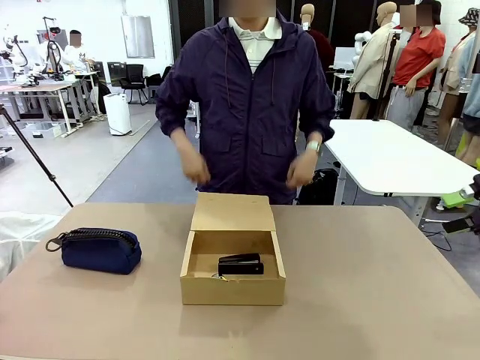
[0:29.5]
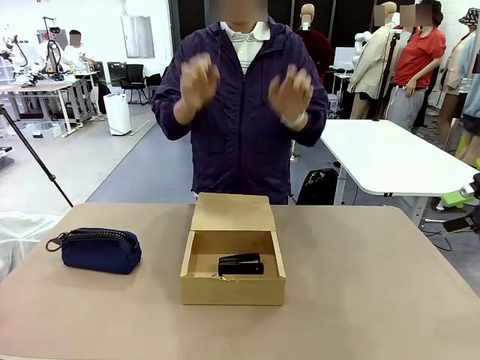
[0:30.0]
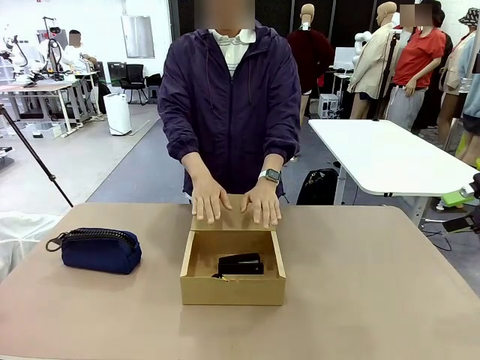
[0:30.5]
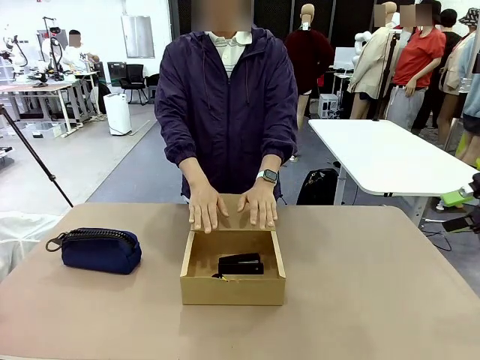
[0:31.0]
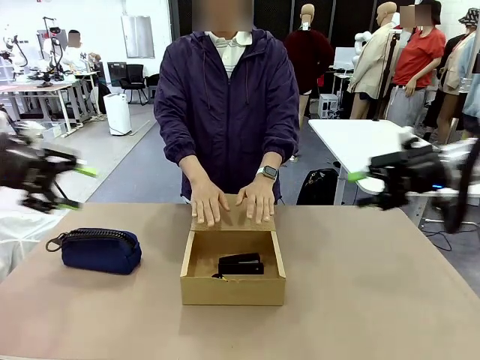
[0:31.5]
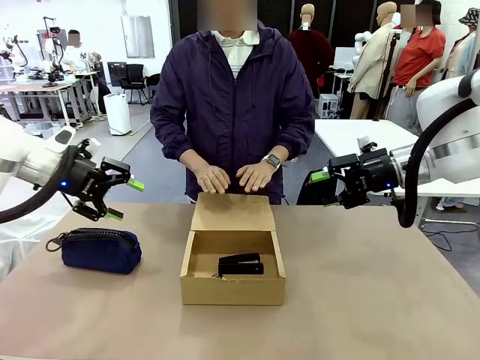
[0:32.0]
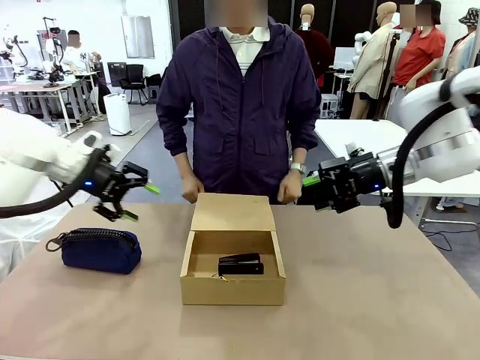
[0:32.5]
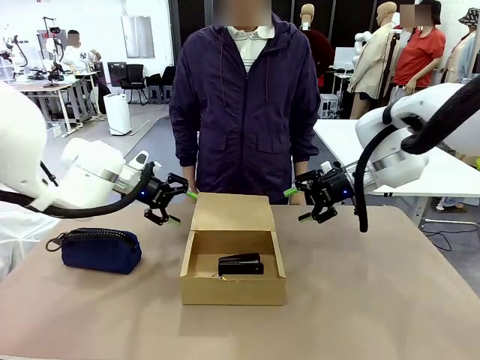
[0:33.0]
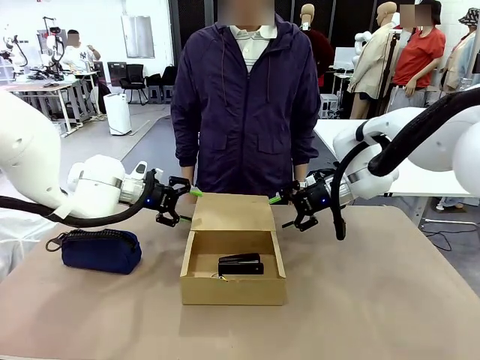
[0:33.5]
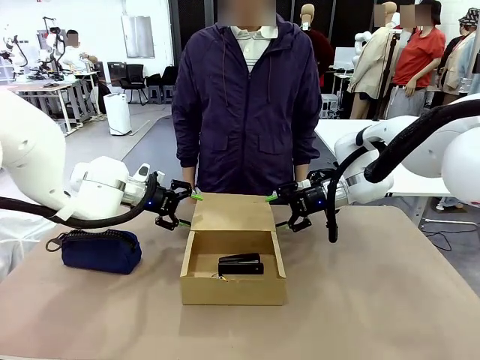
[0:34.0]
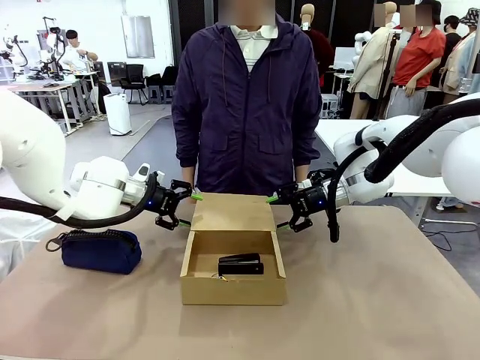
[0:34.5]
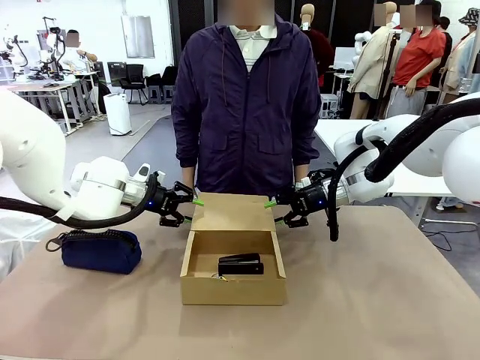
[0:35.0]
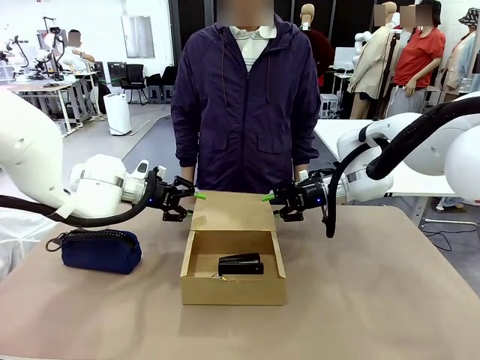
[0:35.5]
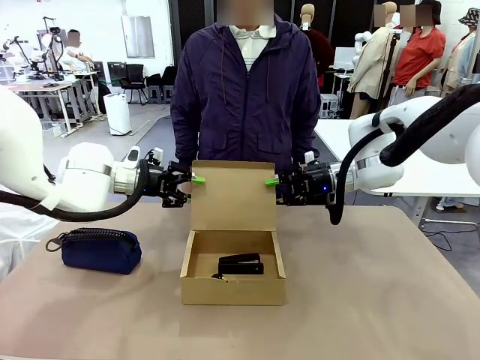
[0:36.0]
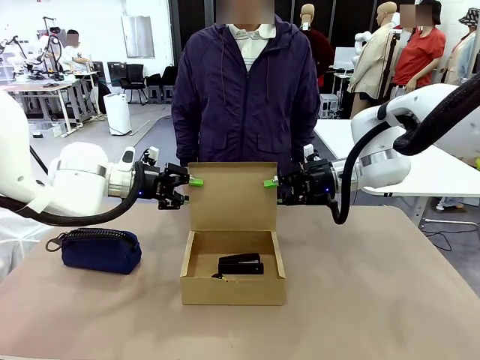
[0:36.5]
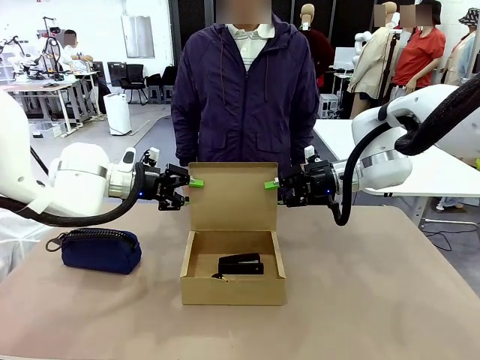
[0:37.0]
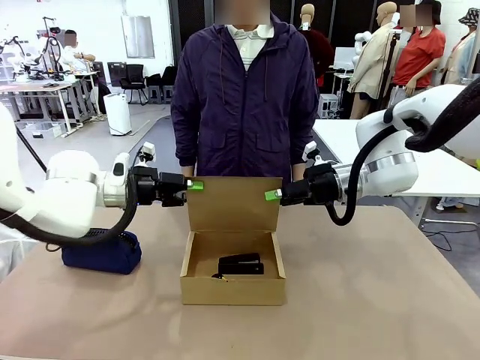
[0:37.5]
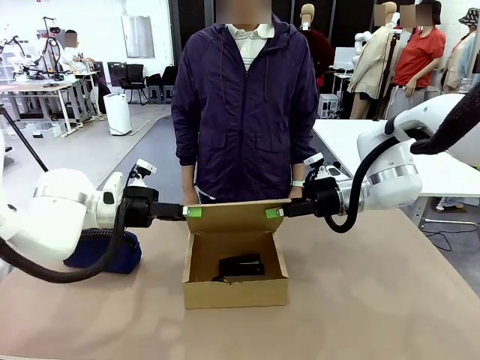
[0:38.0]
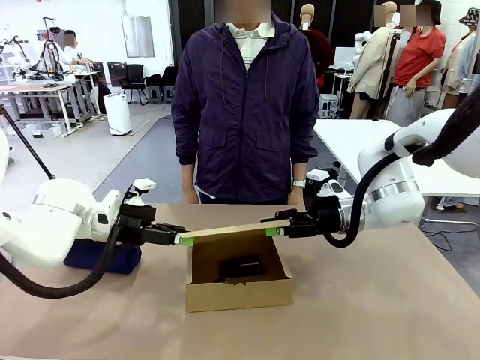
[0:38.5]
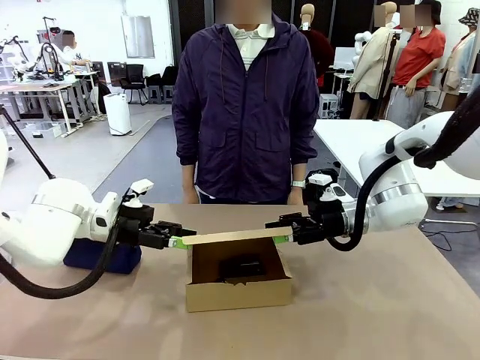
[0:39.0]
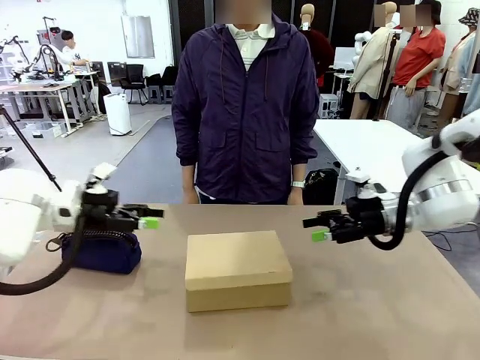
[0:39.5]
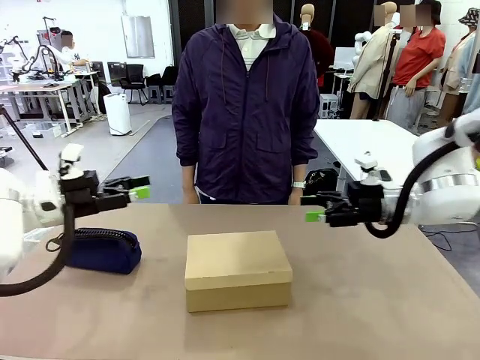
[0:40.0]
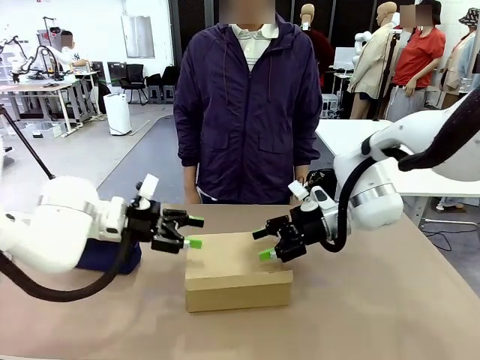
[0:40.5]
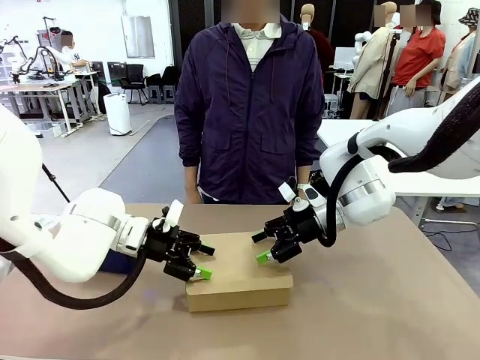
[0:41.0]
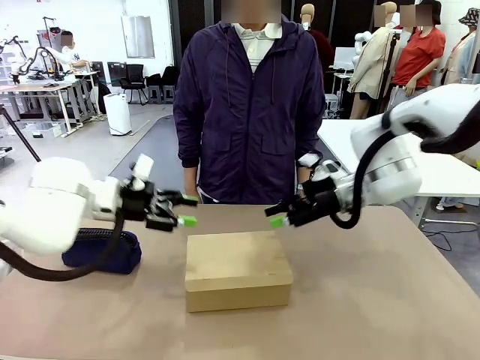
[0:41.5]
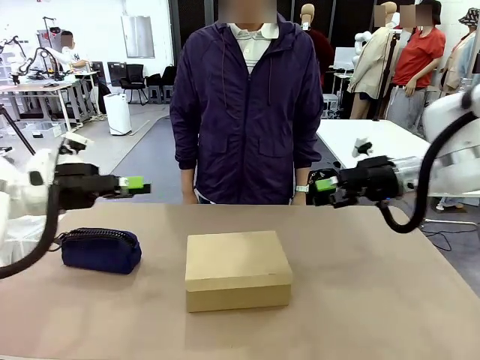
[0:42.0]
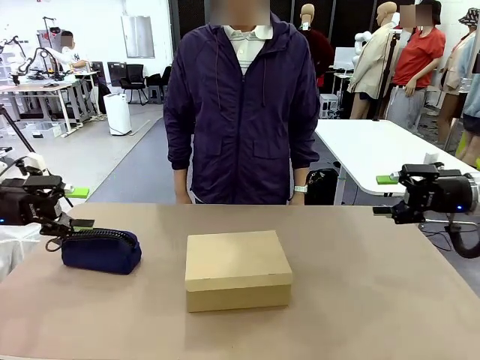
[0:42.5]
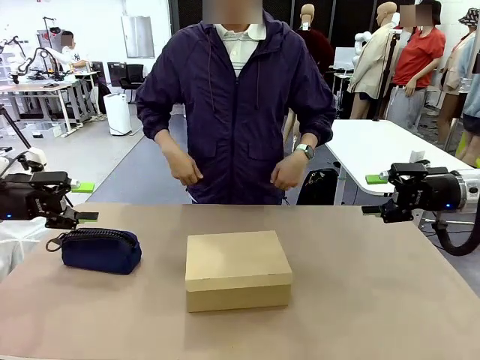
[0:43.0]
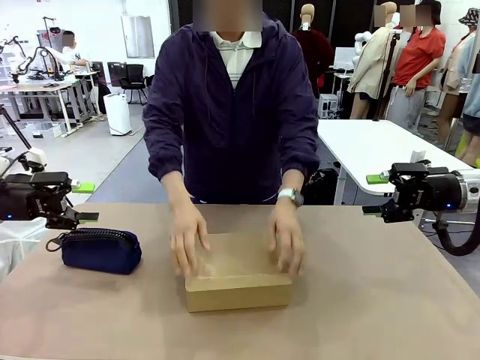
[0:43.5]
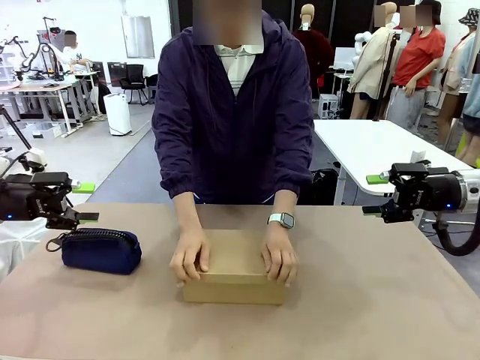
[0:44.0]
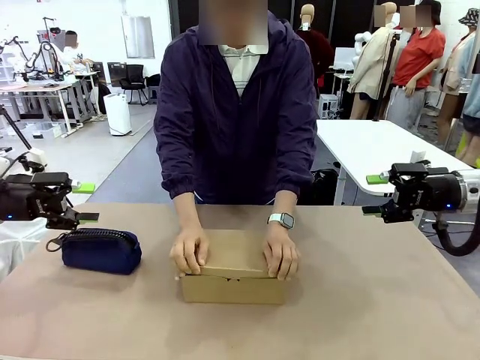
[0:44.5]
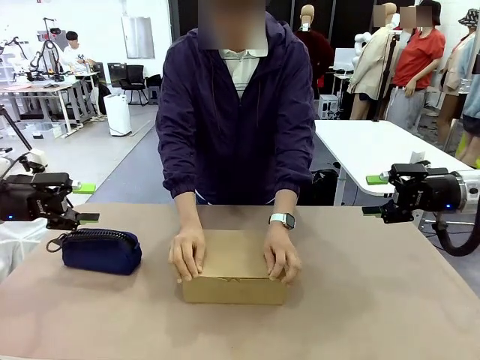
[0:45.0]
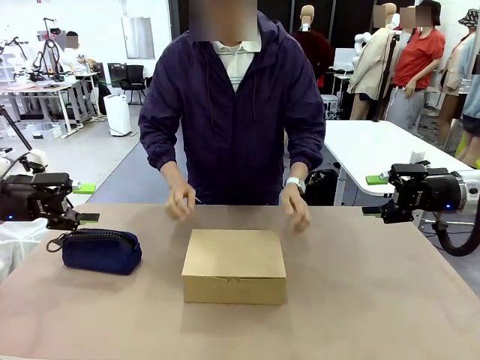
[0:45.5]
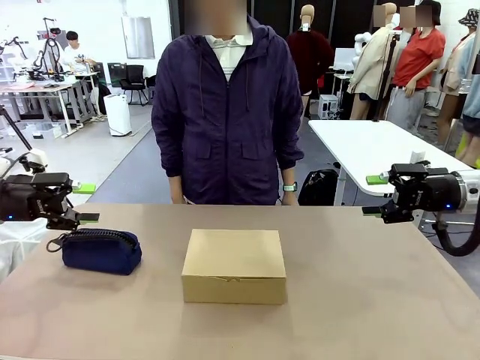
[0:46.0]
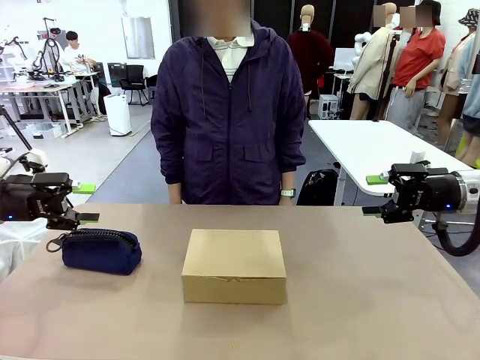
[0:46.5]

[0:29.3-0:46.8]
Task: Pack the items into the box.
Robot: Close the Mailer Box.
Person: Turn the box and lock it.
